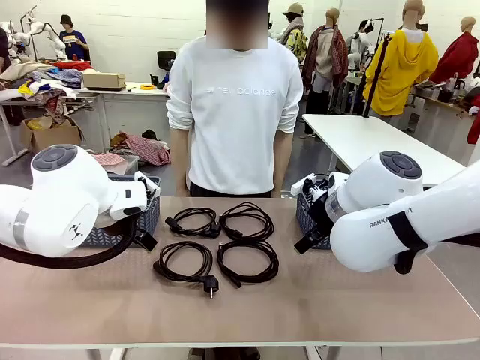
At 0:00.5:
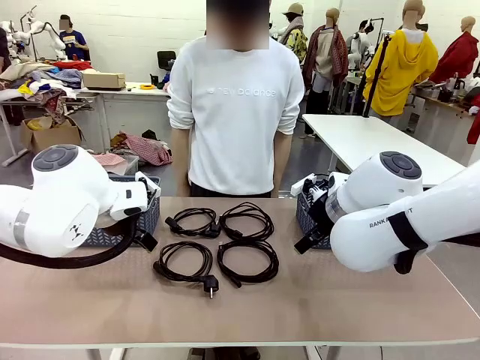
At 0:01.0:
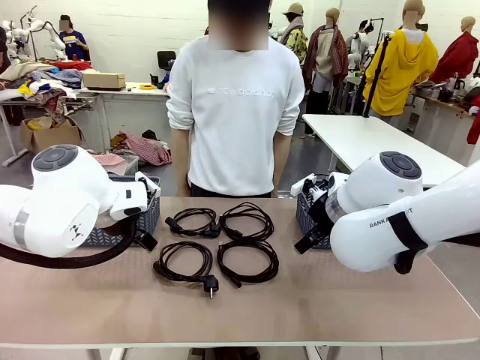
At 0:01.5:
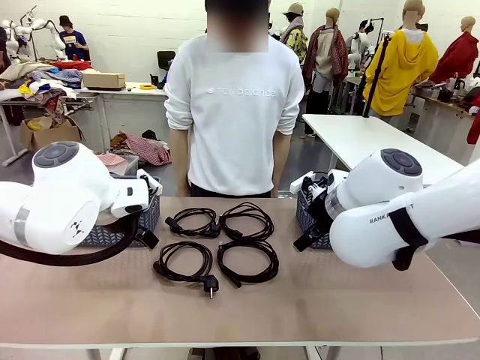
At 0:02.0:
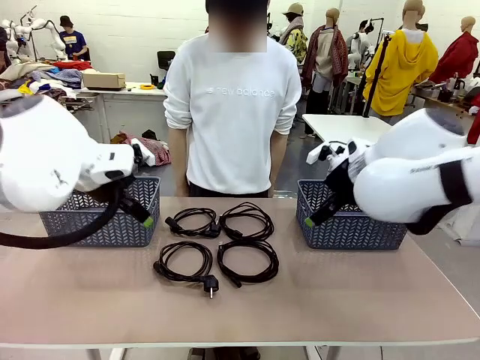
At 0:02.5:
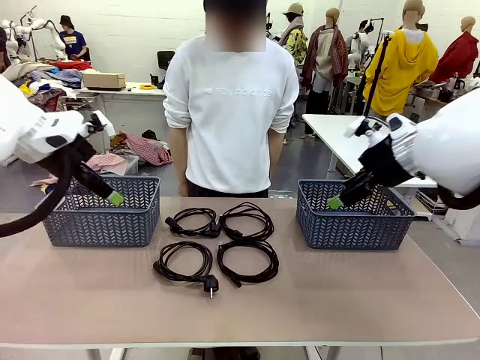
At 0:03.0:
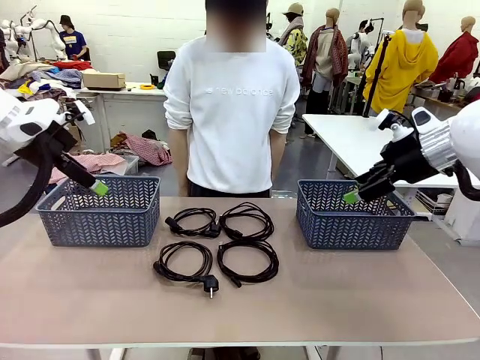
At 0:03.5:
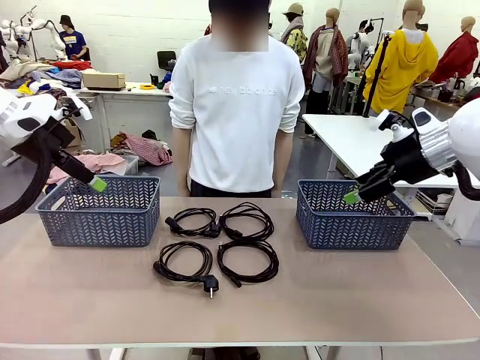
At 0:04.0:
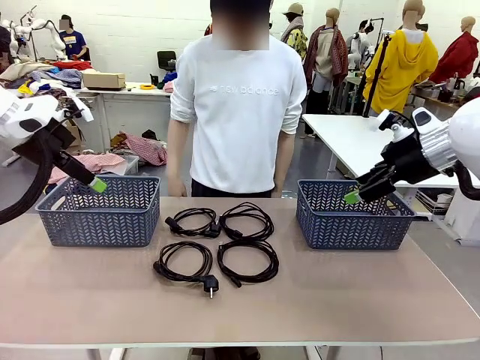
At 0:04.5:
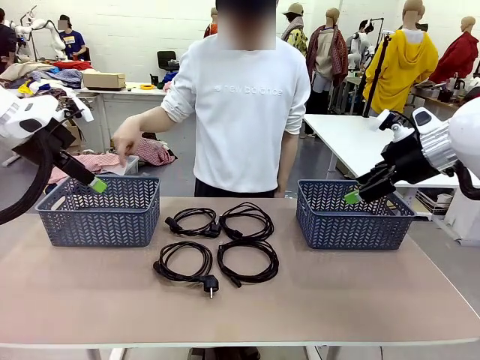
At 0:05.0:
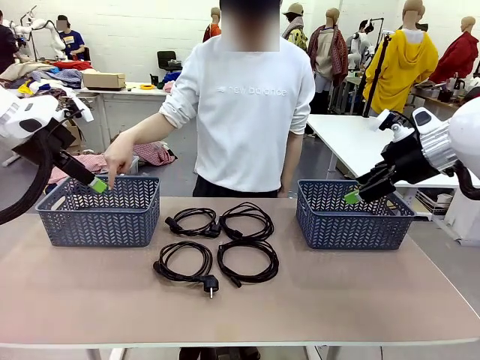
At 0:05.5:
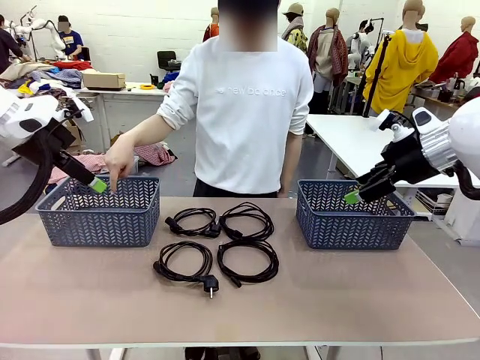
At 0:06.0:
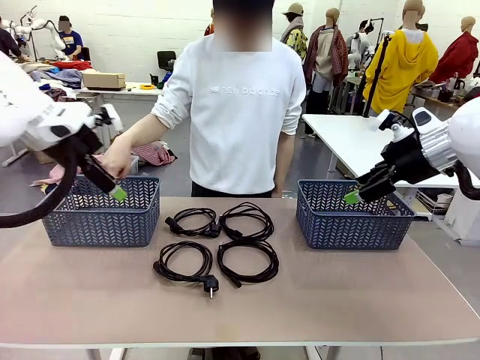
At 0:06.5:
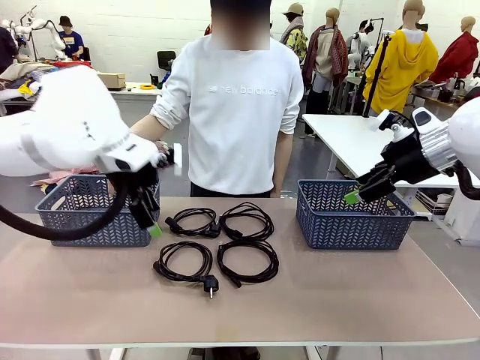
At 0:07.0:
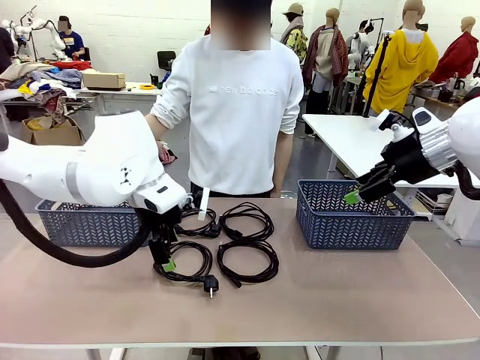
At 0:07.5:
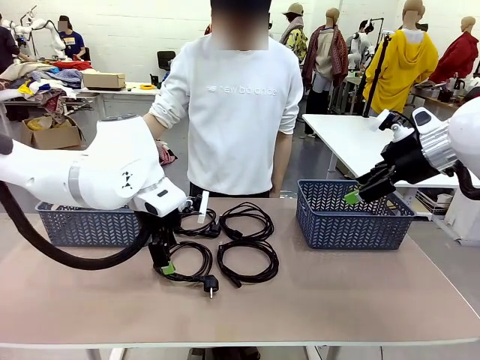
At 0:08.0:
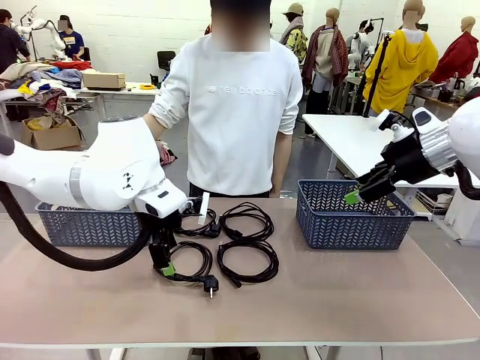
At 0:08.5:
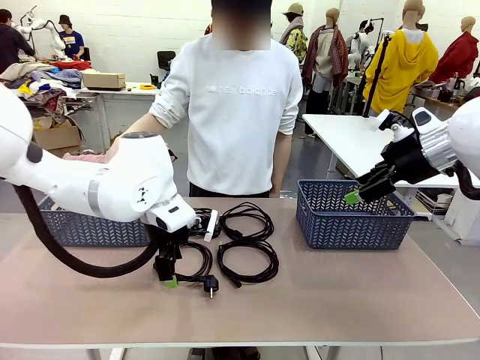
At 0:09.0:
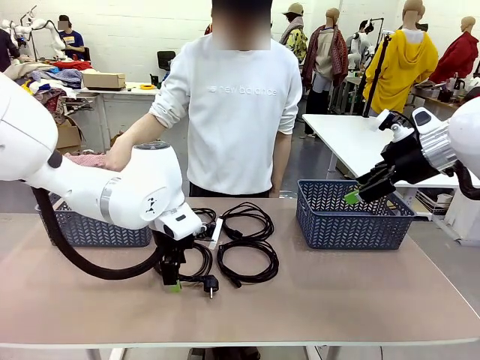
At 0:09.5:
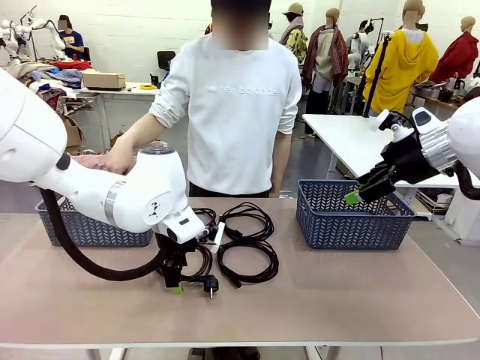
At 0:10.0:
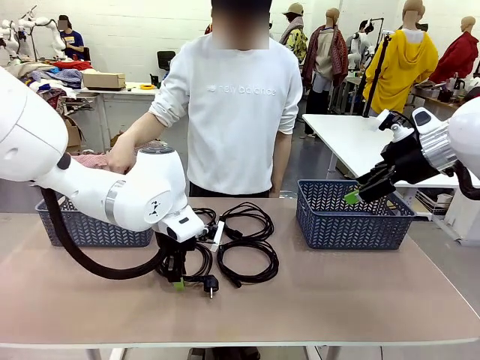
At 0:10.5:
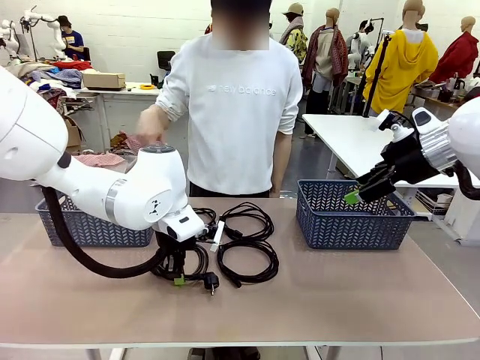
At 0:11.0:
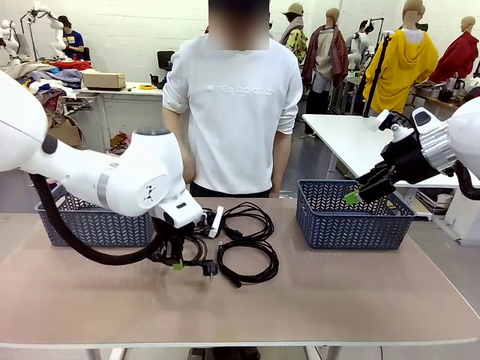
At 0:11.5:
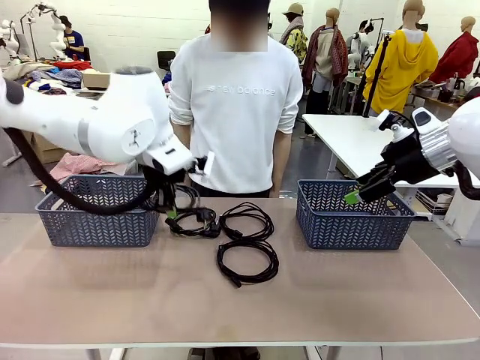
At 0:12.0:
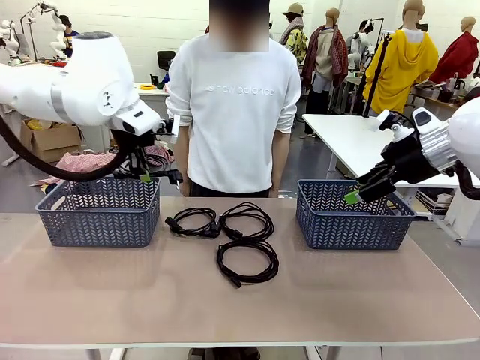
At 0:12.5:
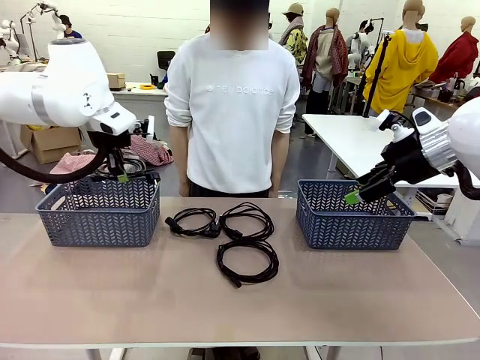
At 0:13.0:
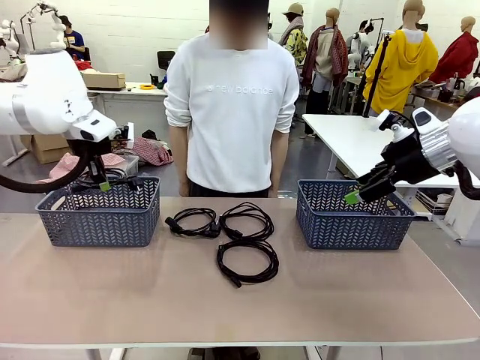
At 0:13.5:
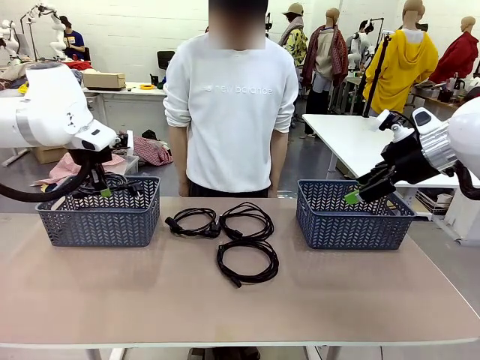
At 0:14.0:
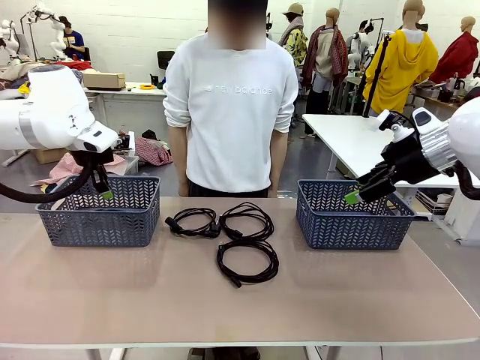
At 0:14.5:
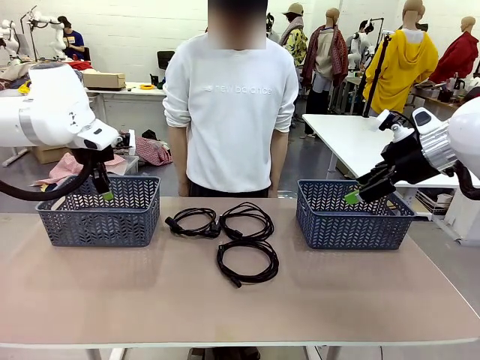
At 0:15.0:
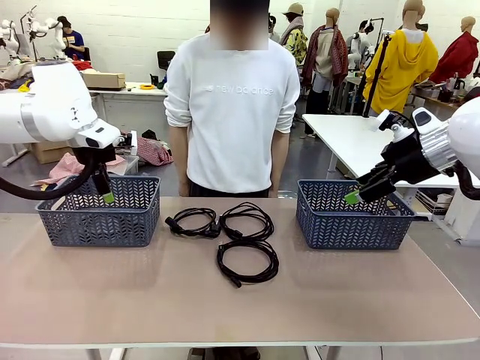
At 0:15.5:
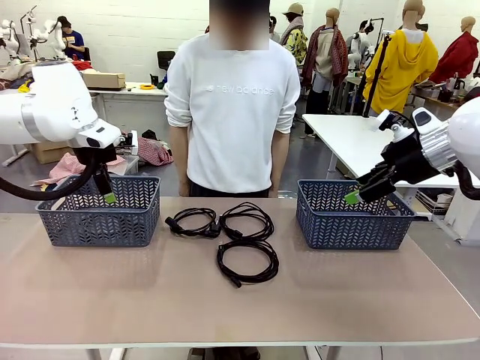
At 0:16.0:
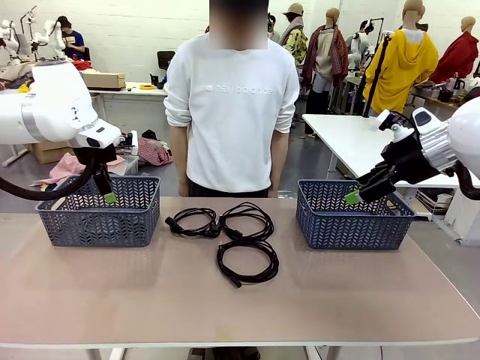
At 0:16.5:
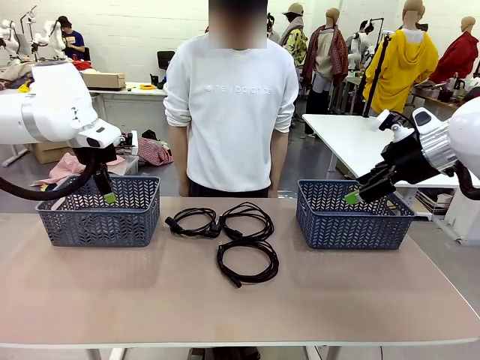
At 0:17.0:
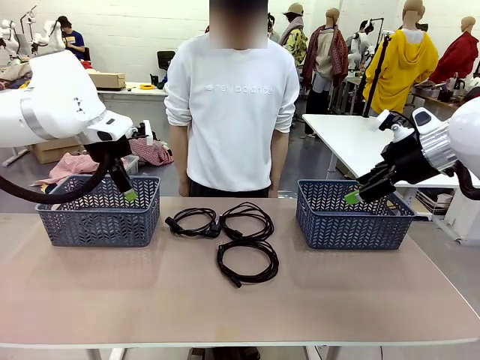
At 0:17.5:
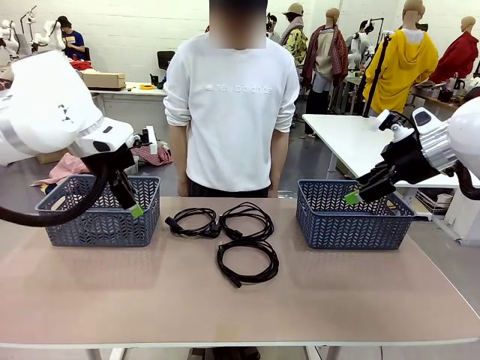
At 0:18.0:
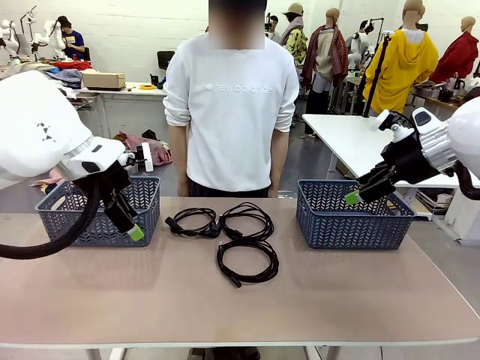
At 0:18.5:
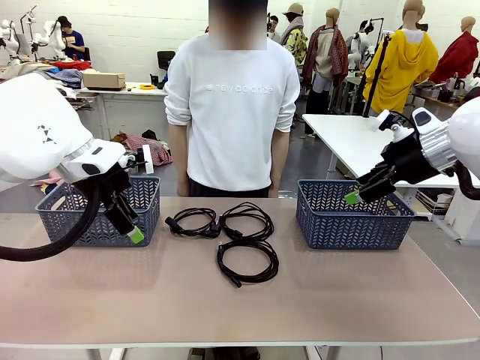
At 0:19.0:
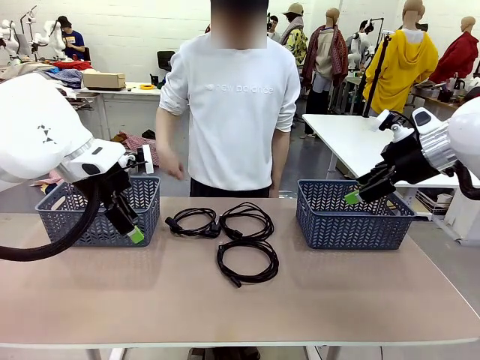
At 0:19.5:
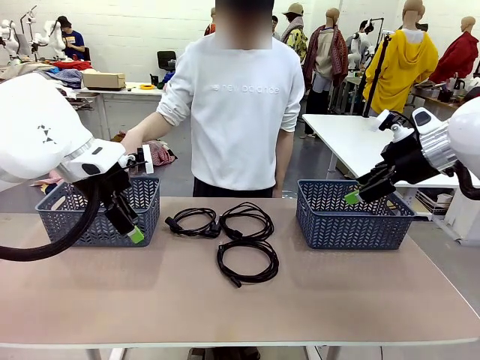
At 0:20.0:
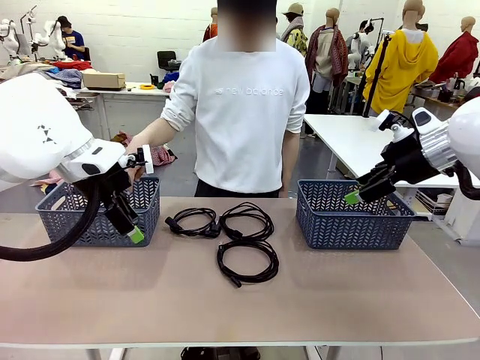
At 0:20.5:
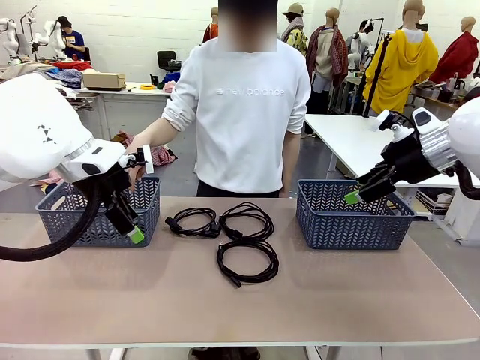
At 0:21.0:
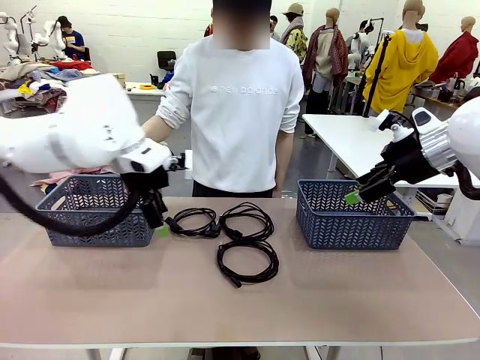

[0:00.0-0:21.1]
Task: Organize the cables according to human instructions.
Robot: Pick up a bundle of cables and place it in the basket indicated by the human.
